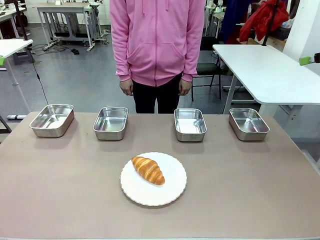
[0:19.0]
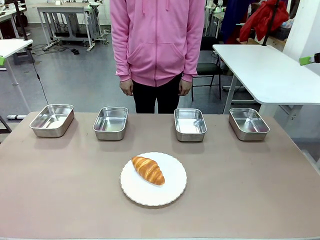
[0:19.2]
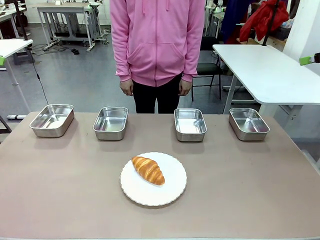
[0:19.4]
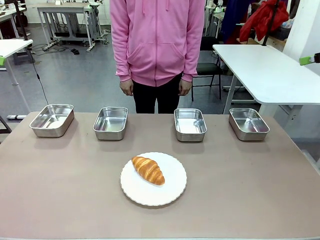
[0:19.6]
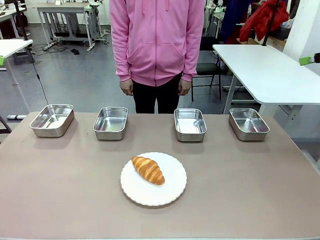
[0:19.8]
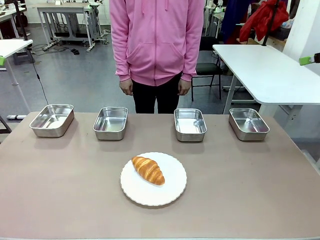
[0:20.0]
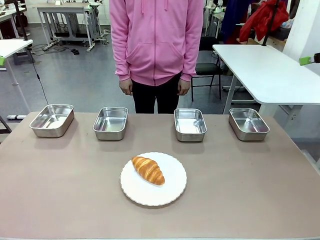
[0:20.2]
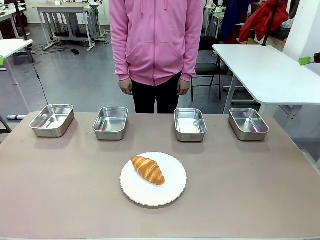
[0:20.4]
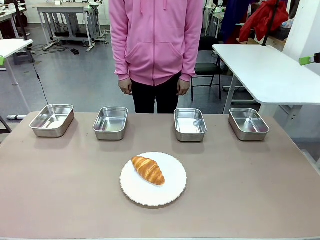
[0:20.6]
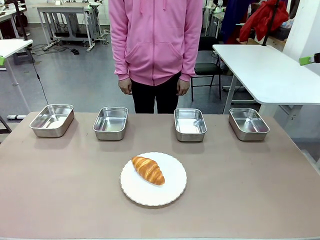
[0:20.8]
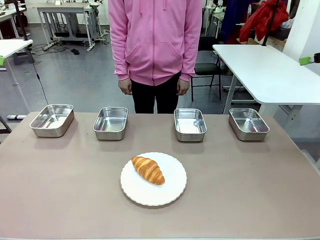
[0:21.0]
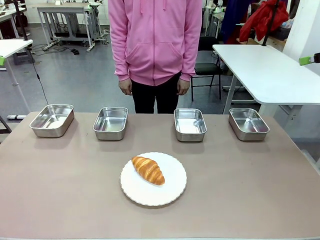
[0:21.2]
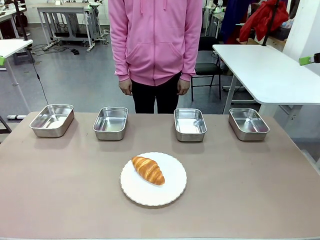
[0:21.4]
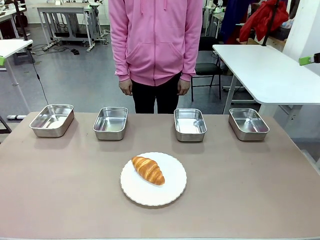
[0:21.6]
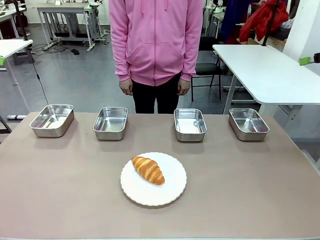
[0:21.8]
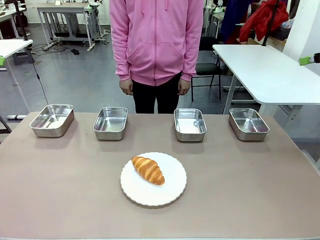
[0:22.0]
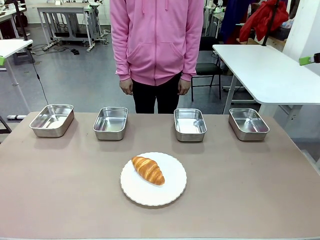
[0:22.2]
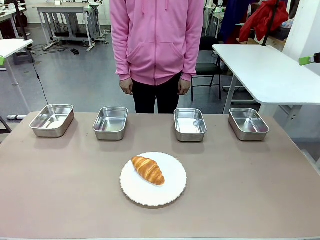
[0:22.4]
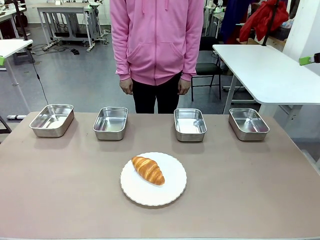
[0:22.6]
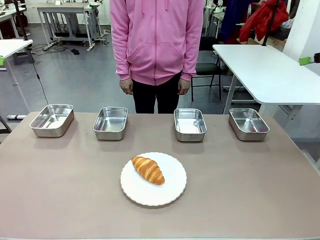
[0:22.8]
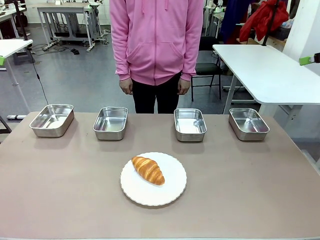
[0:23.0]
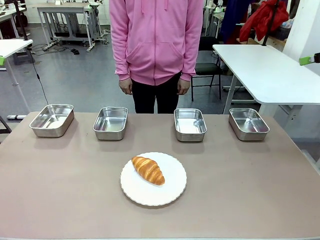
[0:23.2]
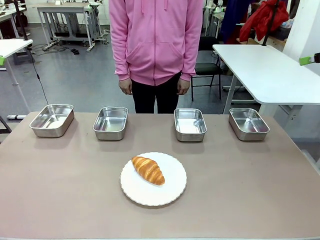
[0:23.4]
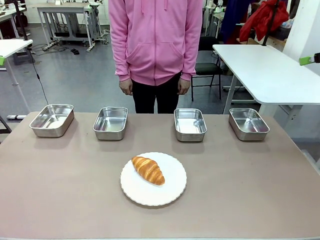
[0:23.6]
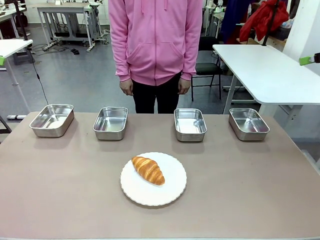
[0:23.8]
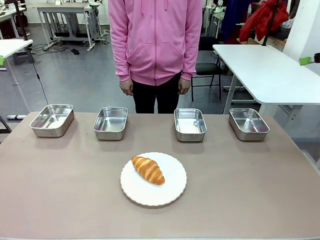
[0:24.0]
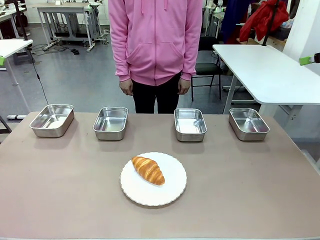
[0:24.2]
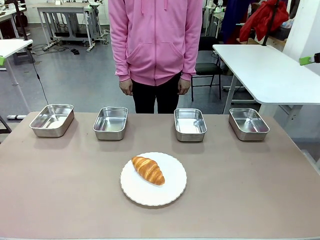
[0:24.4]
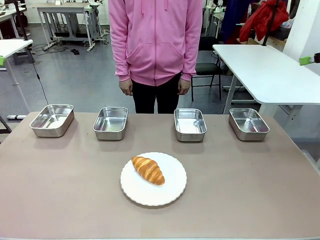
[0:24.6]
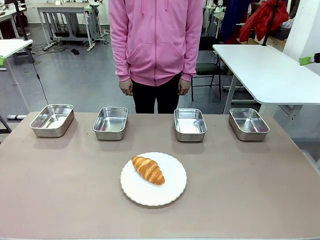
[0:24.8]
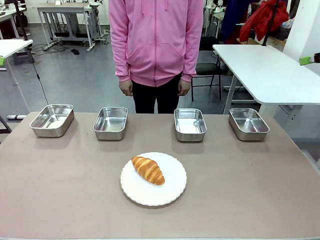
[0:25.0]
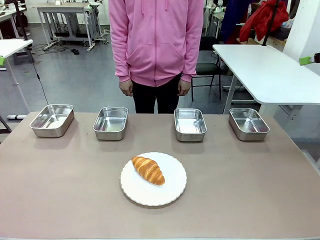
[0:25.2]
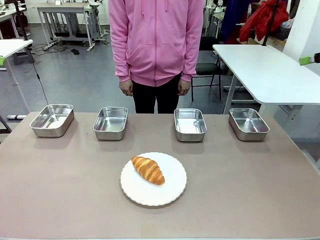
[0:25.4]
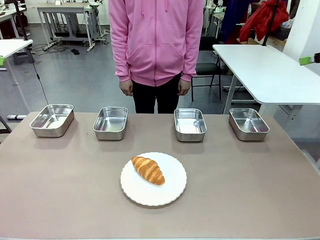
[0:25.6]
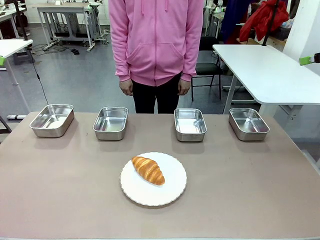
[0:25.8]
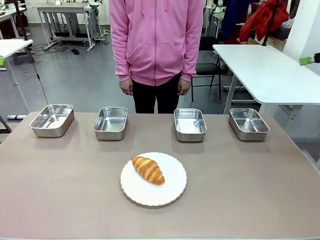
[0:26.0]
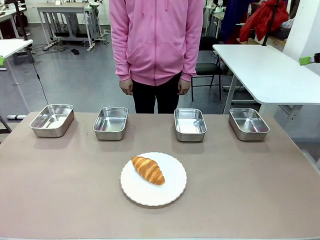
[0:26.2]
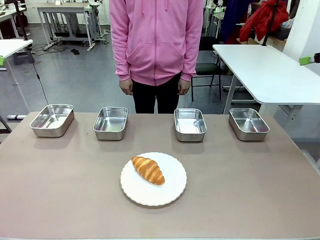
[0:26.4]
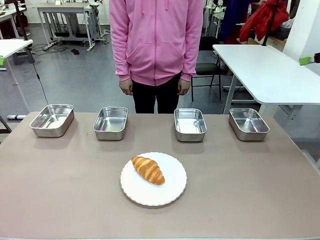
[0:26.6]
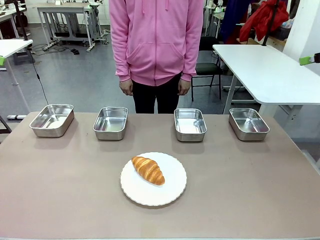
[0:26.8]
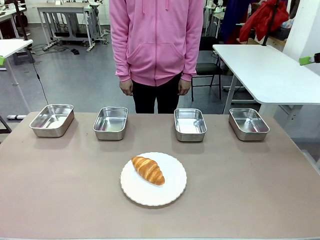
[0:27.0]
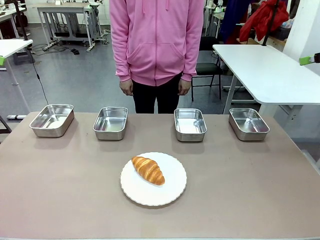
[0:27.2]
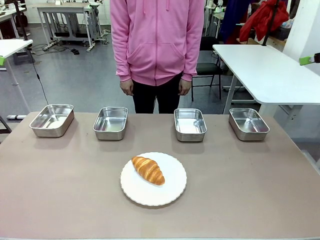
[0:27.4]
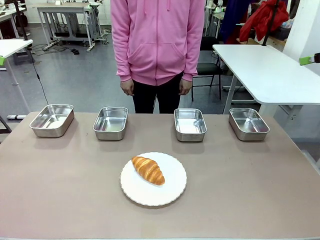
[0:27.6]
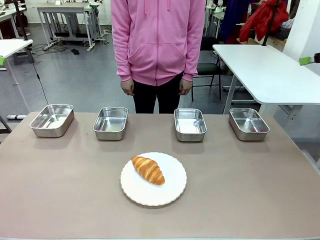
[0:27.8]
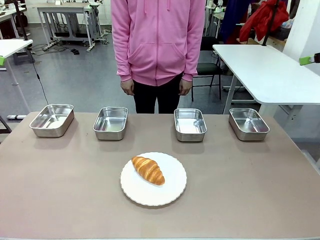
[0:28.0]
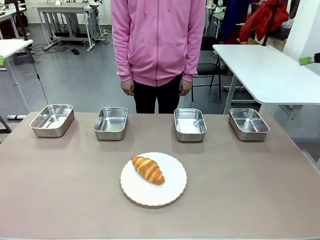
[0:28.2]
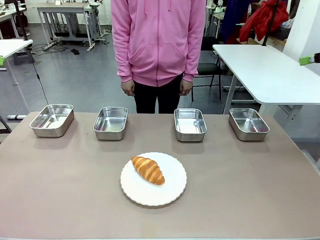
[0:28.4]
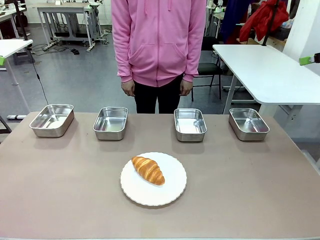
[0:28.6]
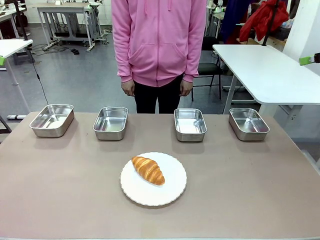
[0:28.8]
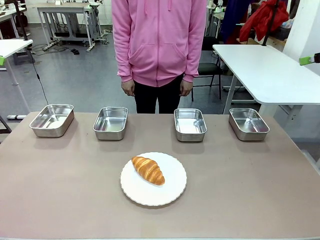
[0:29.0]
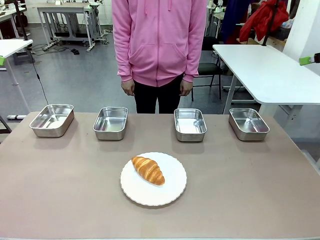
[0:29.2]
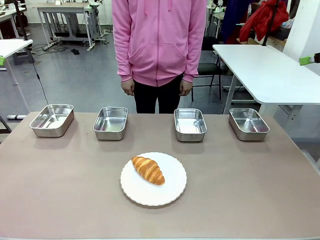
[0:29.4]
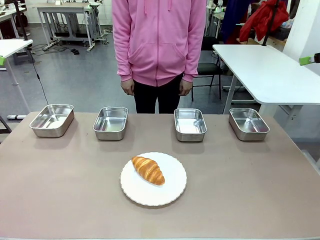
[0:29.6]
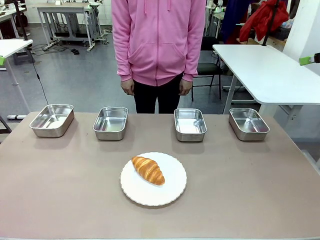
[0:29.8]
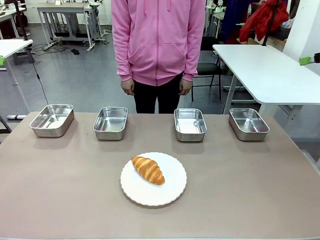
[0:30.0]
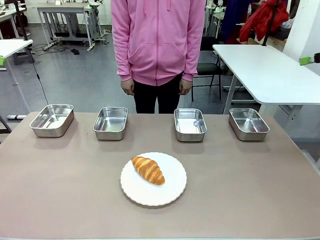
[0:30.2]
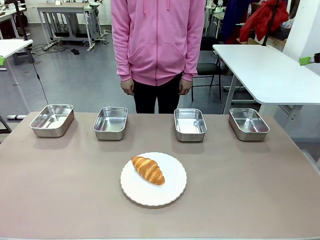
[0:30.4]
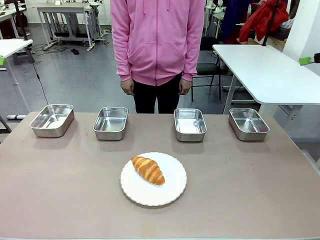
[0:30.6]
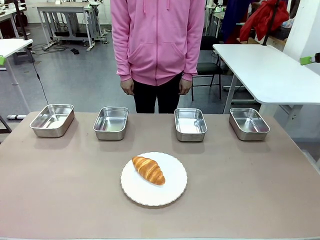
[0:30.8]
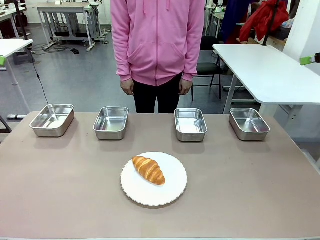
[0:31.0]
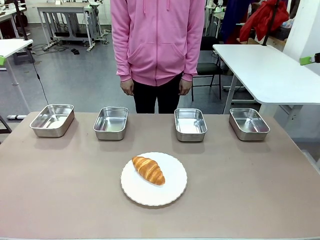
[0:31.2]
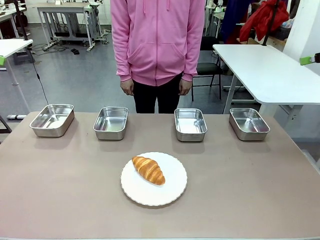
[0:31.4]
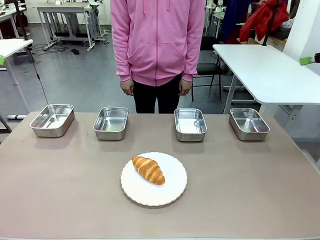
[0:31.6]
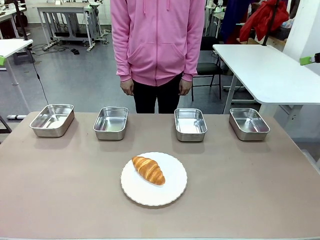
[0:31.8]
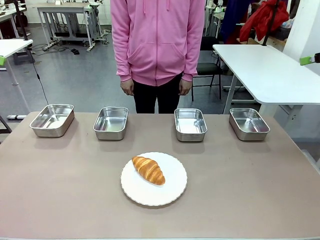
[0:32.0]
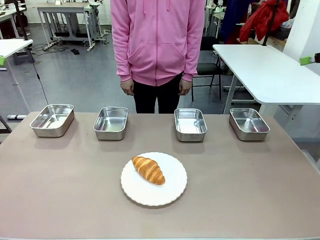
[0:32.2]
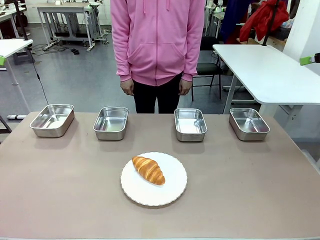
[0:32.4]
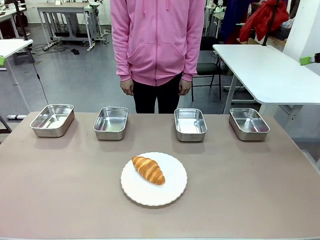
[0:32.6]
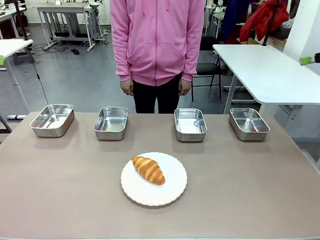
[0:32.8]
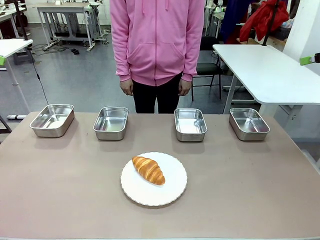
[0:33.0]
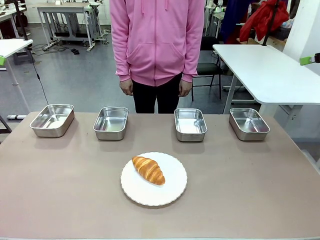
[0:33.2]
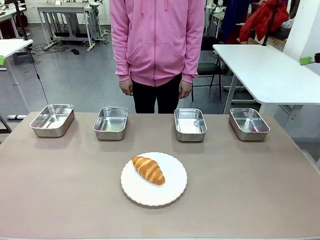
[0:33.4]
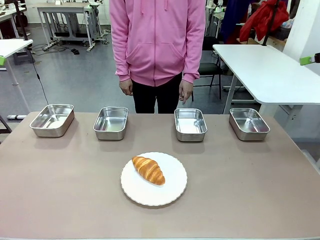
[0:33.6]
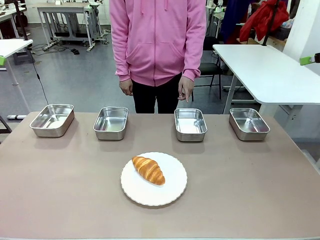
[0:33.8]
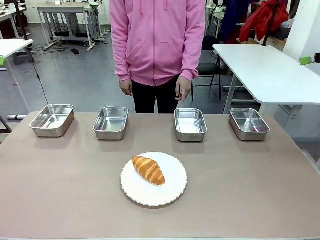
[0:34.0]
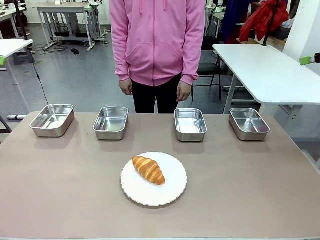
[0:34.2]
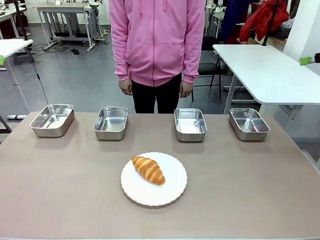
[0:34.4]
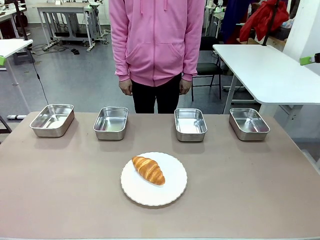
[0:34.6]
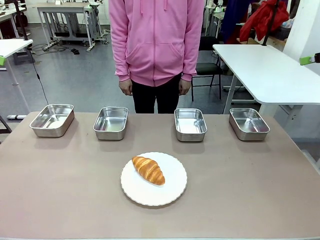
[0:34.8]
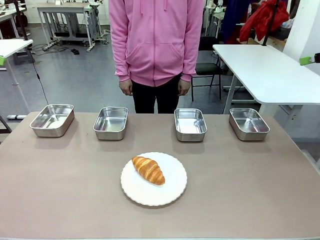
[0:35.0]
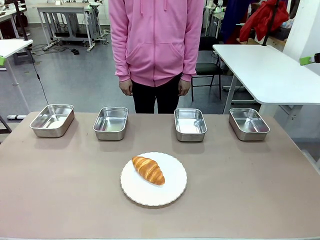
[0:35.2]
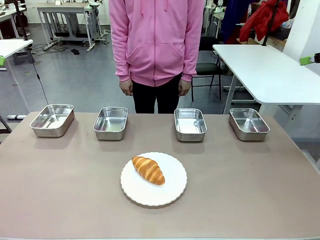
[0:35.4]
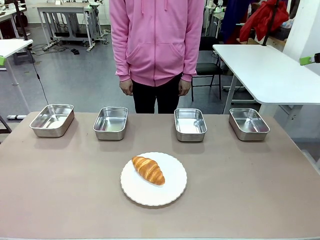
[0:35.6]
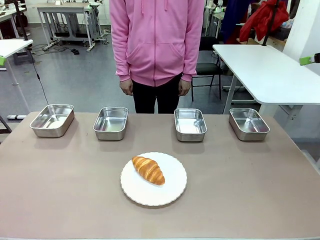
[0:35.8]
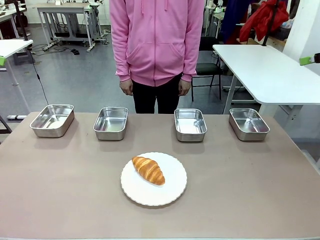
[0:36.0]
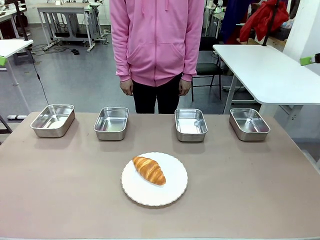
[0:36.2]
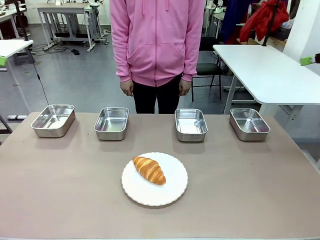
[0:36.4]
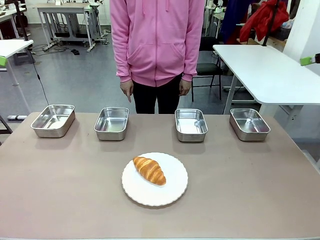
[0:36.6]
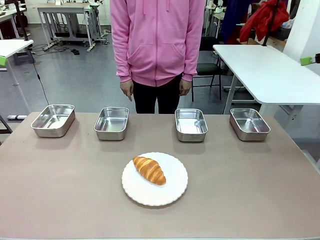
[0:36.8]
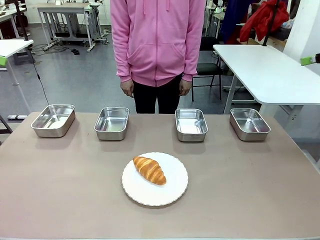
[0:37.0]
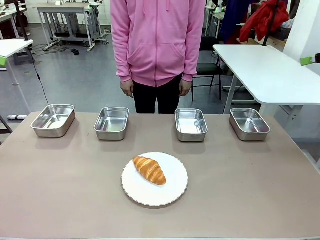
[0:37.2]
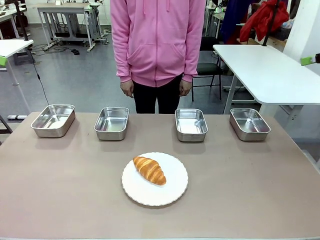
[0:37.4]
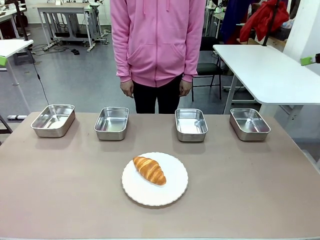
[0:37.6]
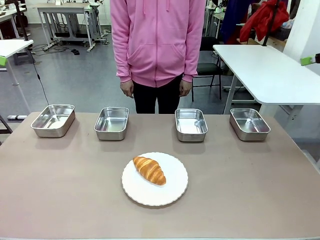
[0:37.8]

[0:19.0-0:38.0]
Task: Place the bread in the container.
Robot: Place the Butter Roll into the Airtight Container indicated by the human.
